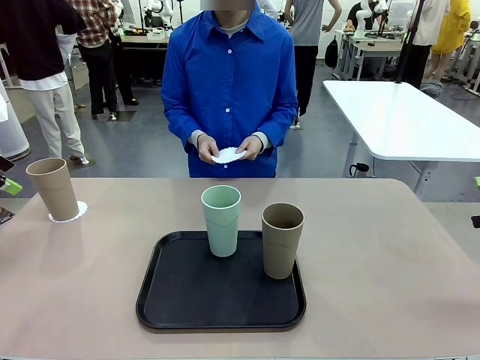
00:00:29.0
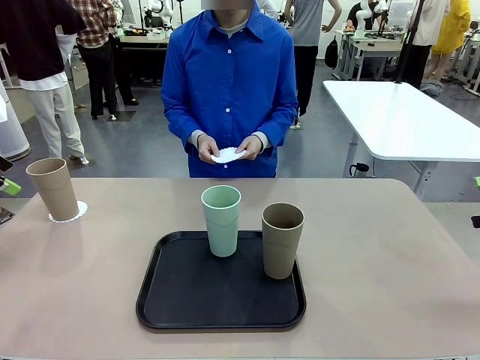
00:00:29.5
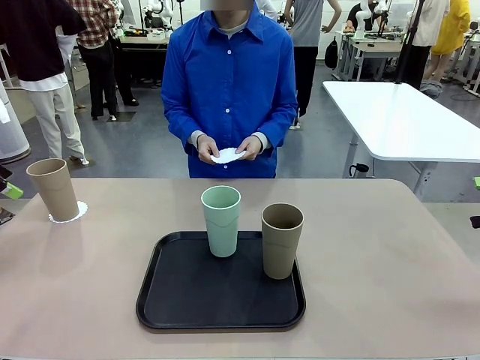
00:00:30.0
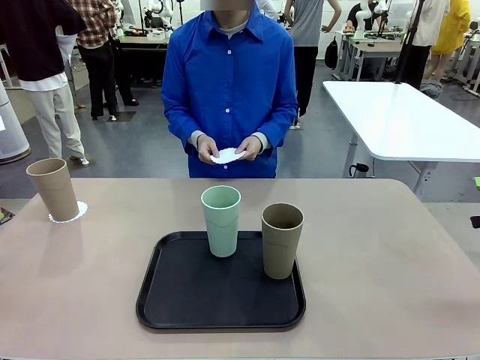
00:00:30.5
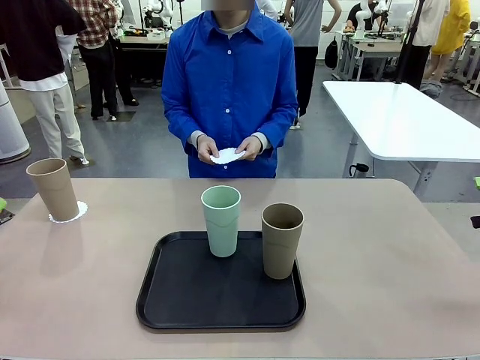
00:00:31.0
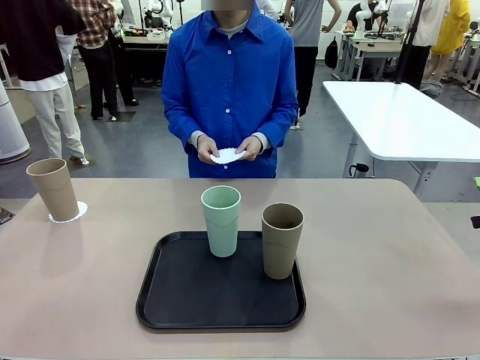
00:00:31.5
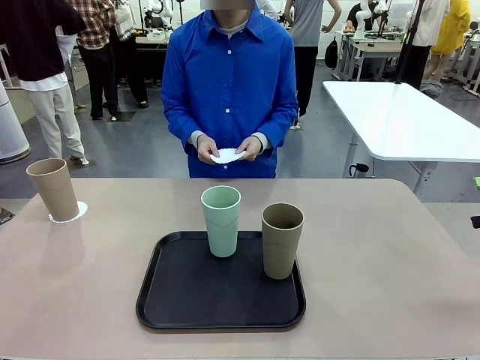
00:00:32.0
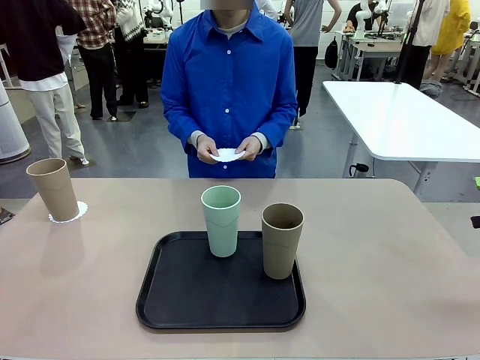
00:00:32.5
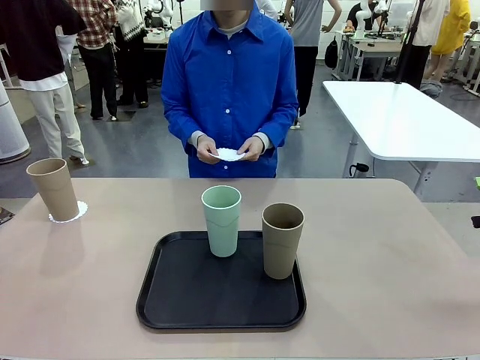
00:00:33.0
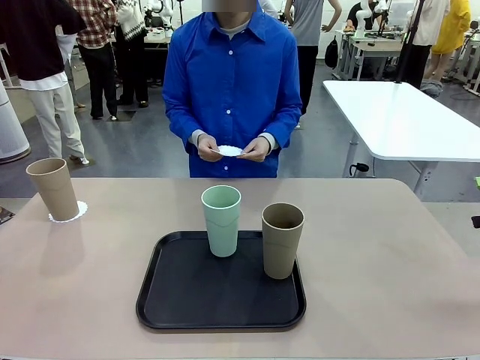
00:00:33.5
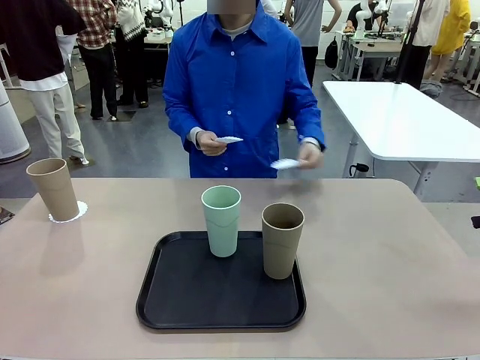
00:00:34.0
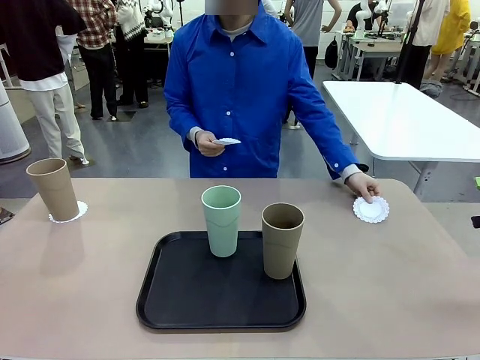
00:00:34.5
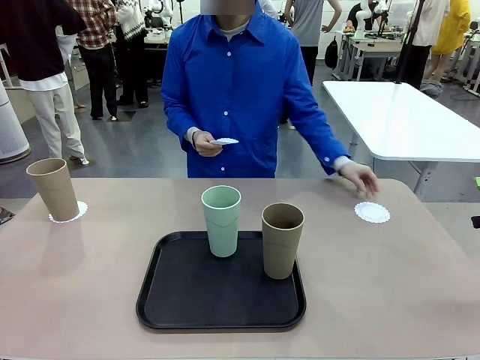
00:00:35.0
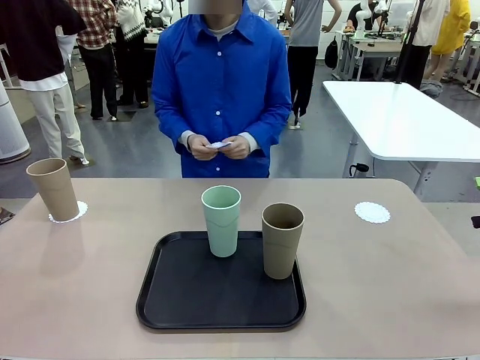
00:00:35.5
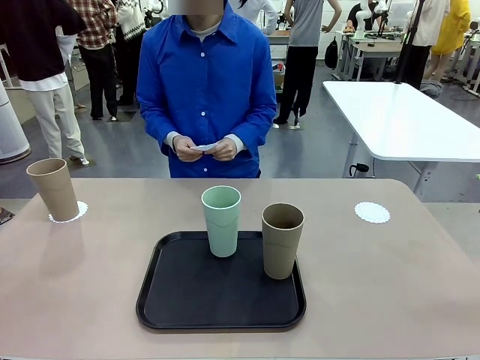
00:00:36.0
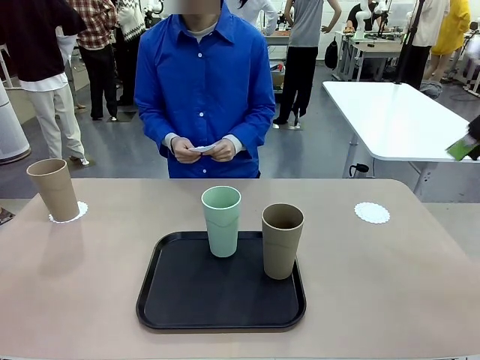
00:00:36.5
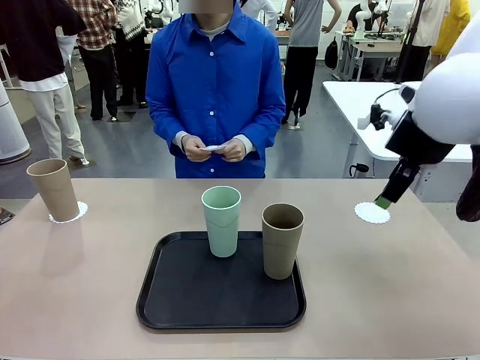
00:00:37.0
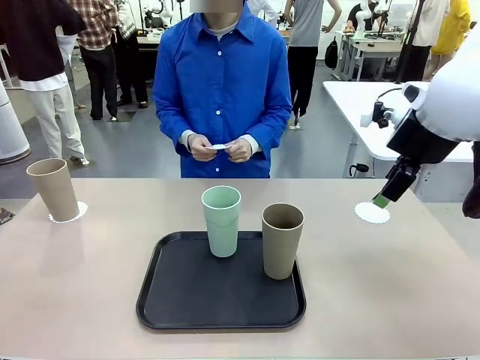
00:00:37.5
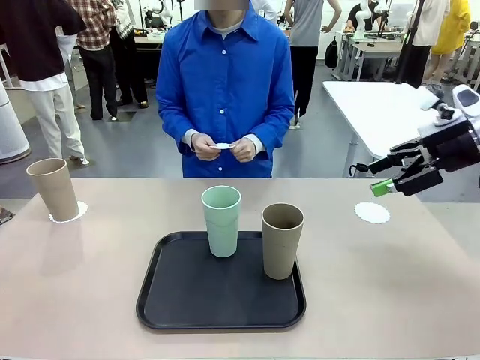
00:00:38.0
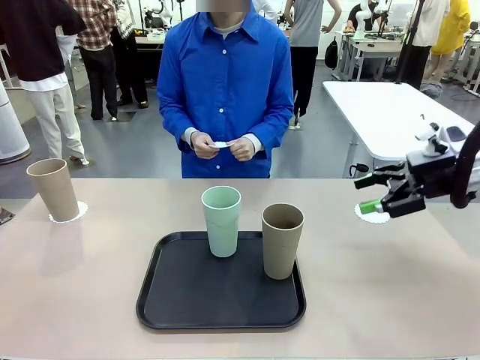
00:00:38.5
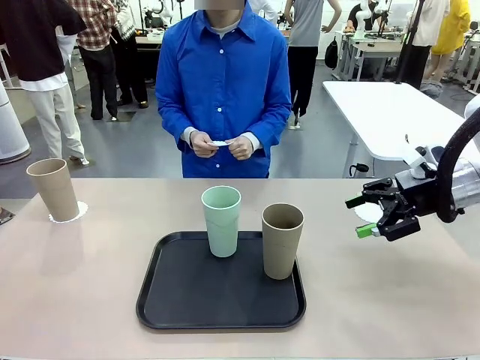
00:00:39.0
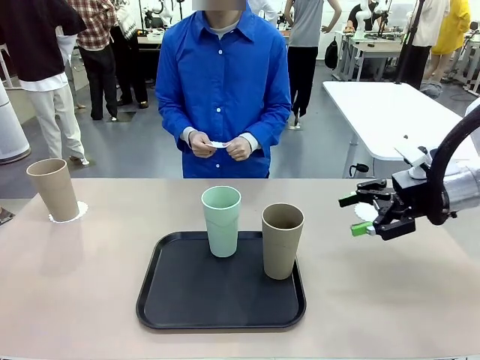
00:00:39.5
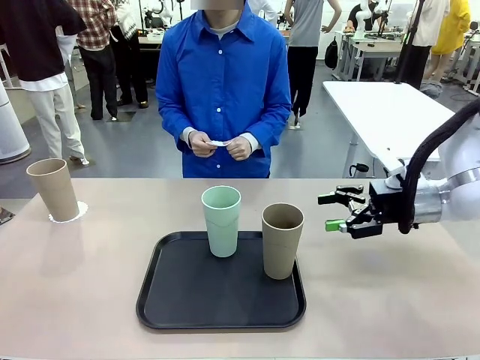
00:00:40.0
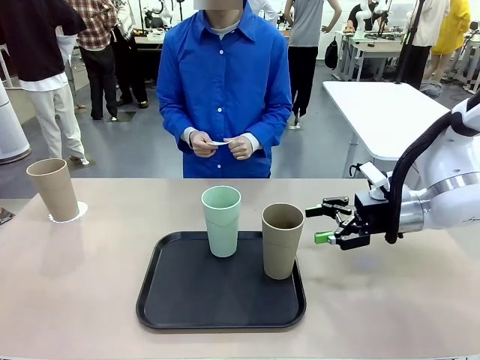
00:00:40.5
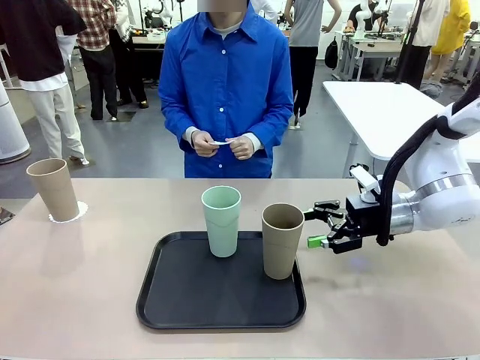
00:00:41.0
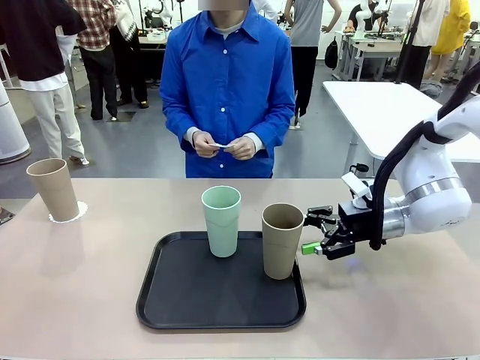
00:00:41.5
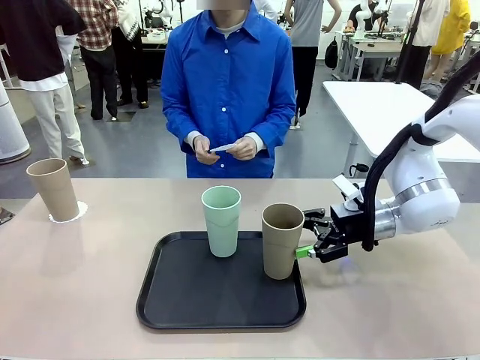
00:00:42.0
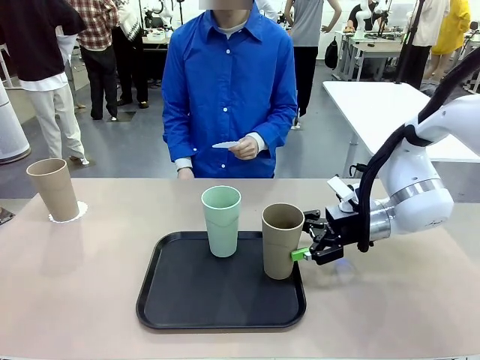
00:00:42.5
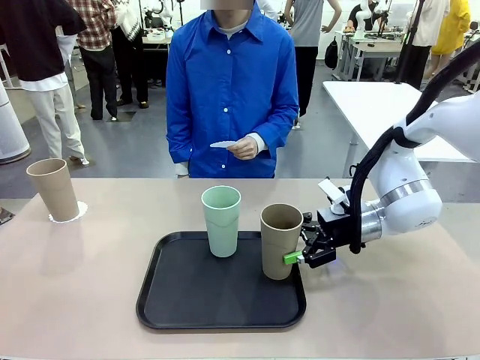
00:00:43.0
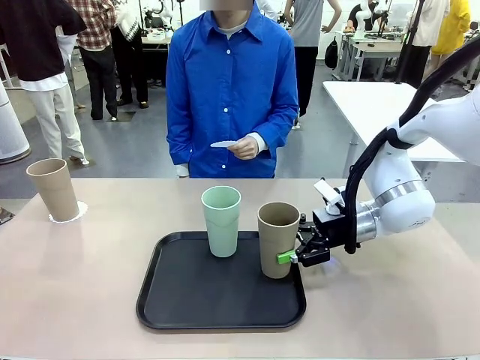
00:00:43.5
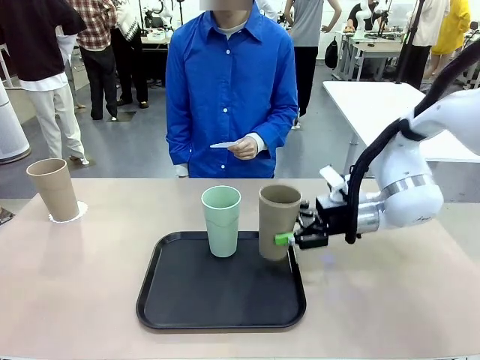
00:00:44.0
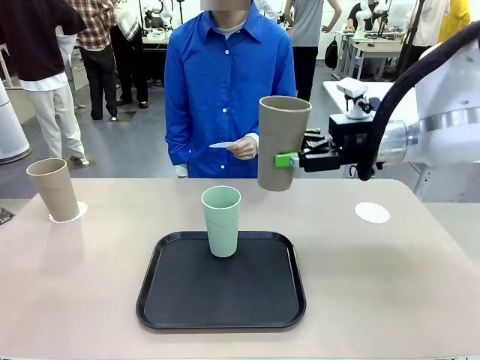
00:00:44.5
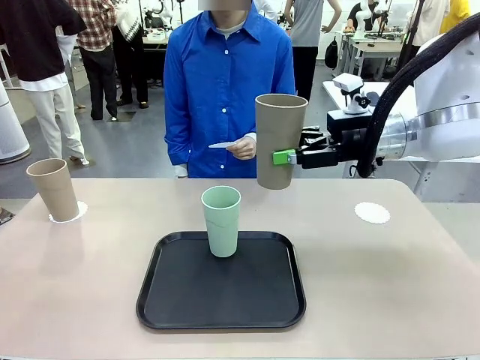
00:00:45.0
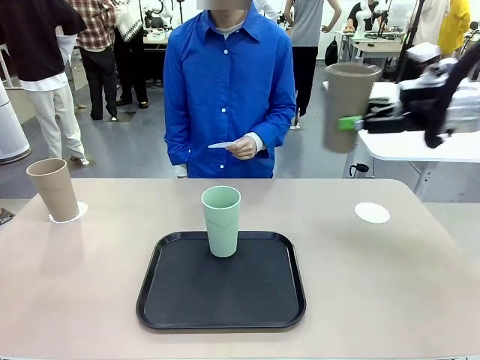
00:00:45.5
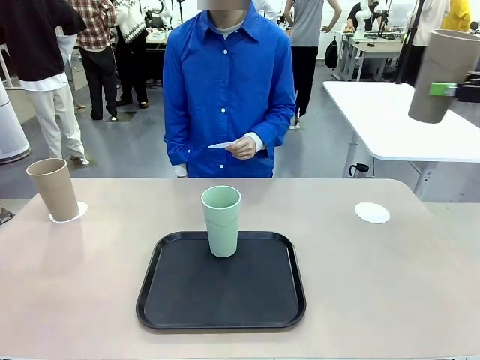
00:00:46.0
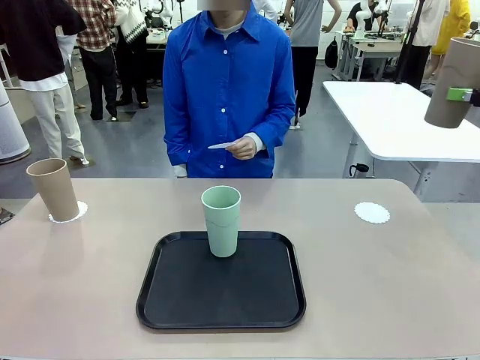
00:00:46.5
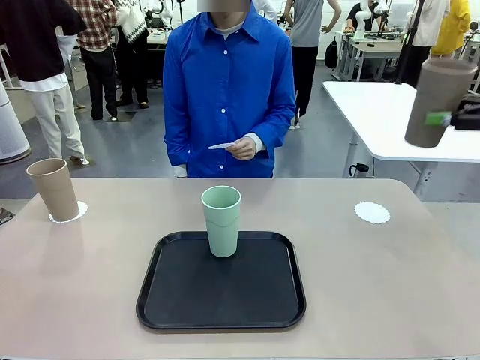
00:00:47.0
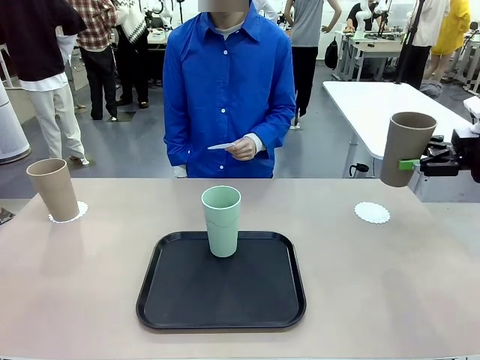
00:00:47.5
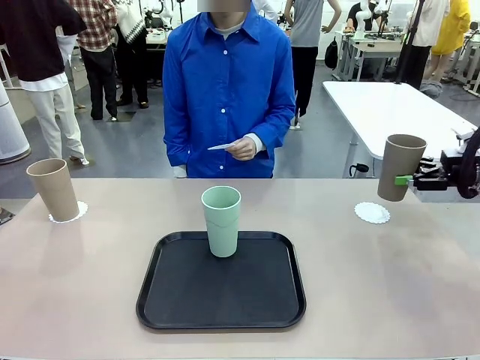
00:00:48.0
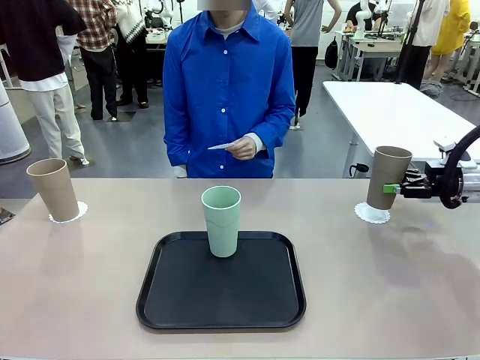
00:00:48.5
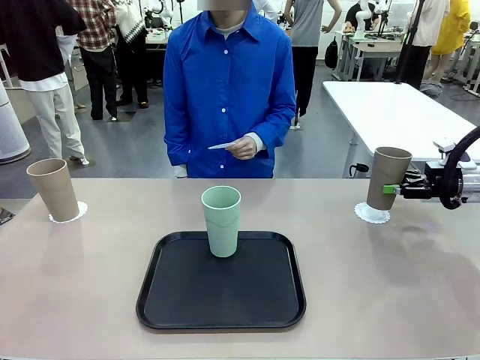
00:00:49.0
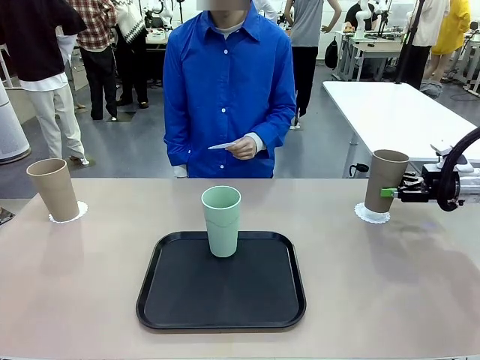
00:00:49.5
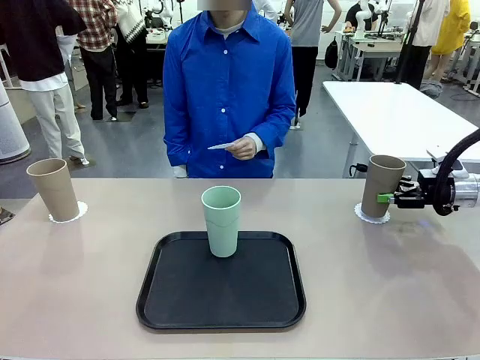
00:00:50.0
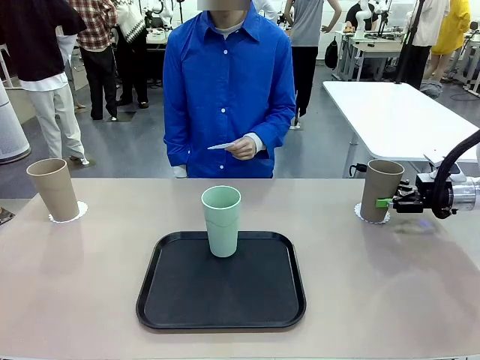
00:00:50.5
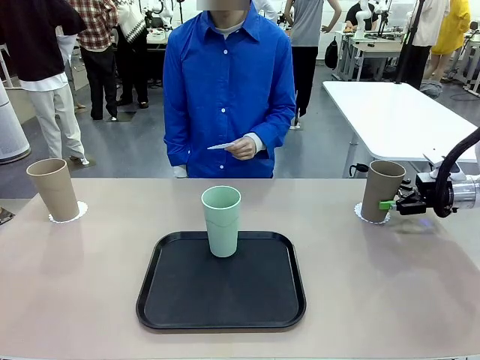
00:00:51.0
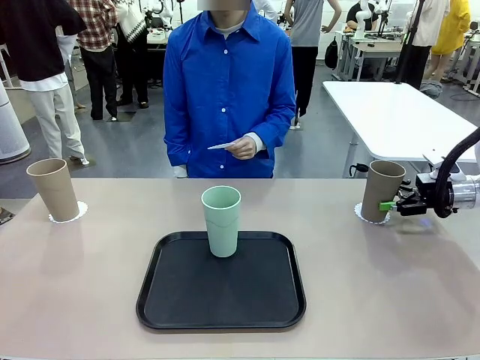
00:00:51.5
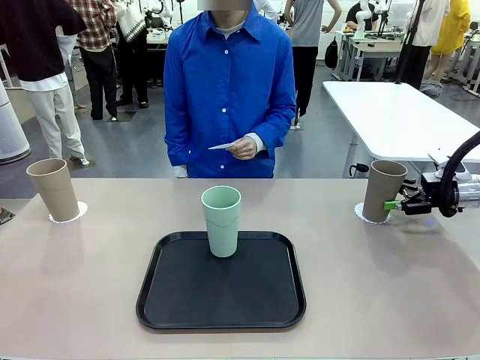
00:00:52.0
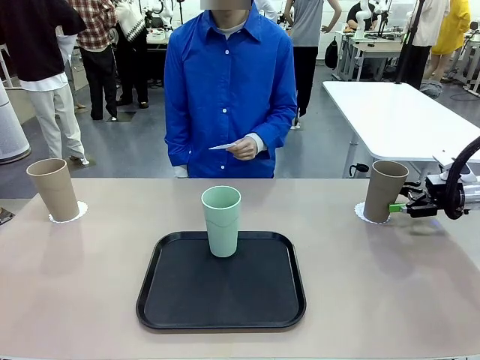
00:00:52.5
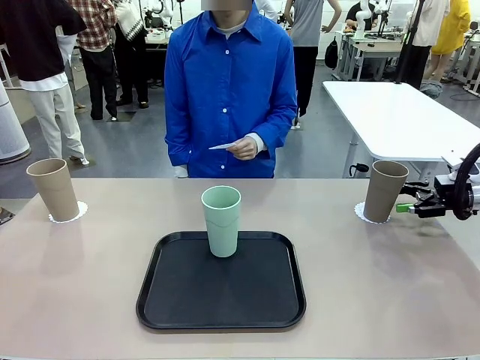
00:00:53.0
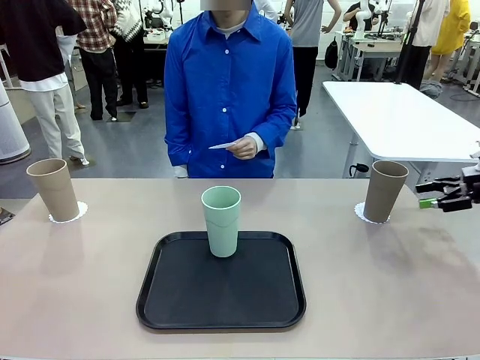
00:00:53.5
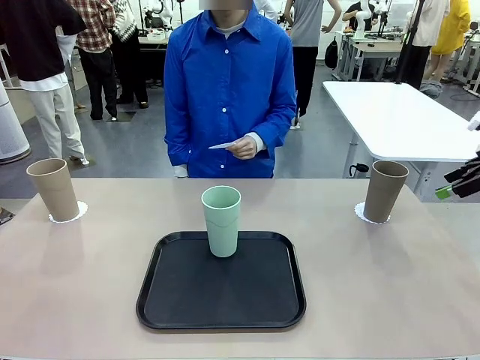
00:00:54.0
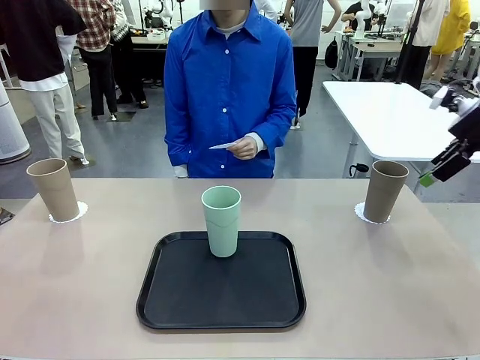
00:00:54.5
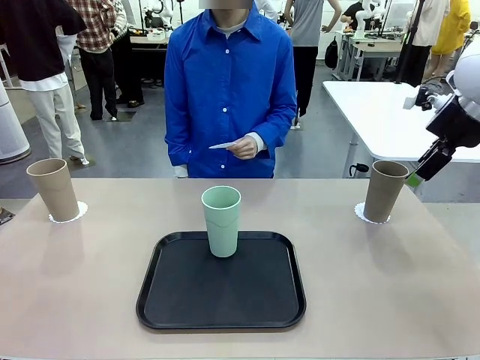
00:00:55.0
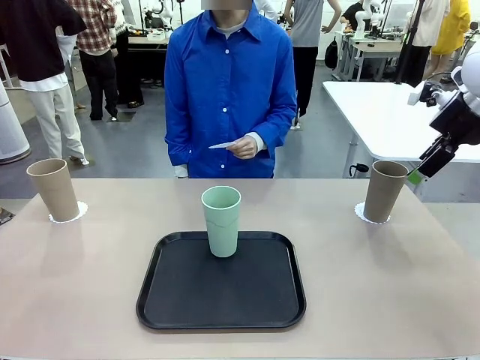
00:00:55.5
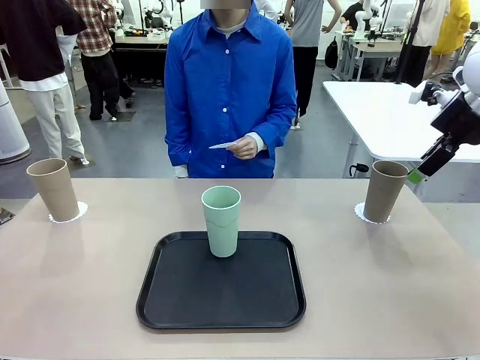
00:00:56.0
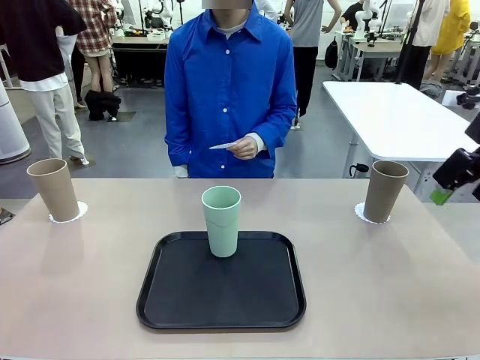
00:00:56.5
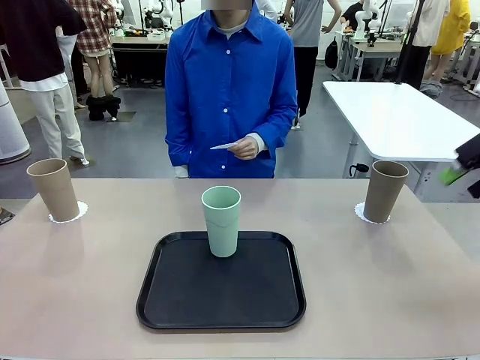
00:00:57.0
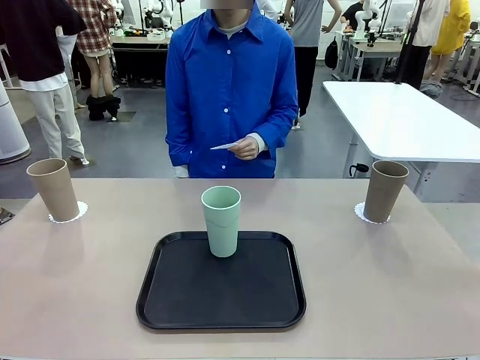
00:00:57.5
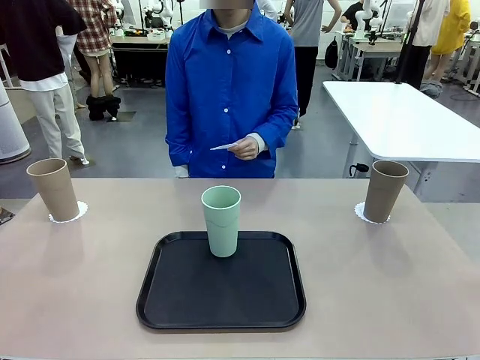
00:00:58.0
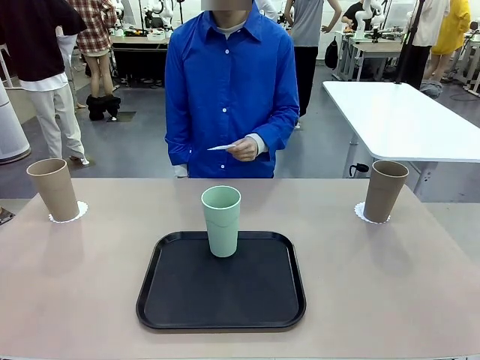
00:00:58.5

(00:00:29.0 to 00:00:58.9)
Task: Place coasters on the table and set cups on them.
Robot: Take one Reusable plastic cup from the Flat Tray and place it on a coaster set by the human.
